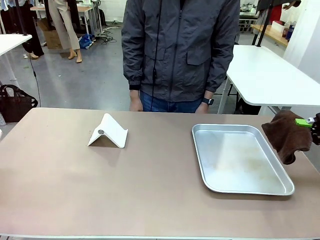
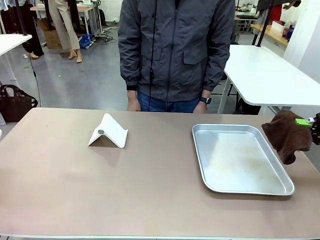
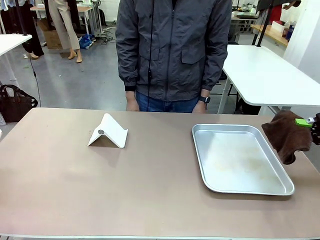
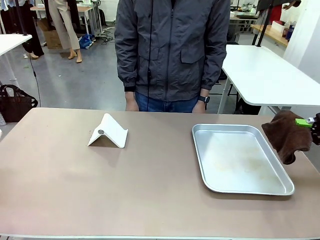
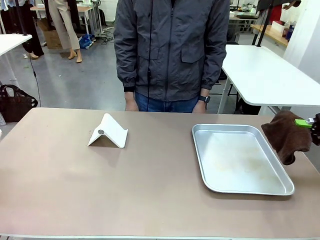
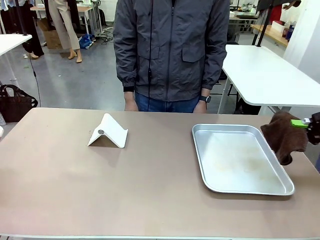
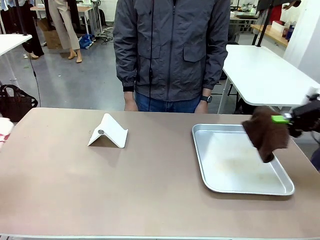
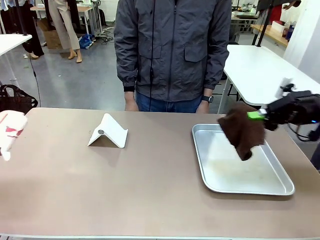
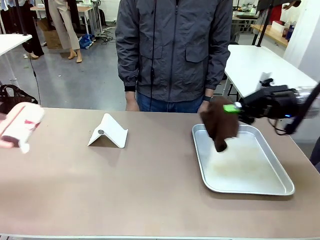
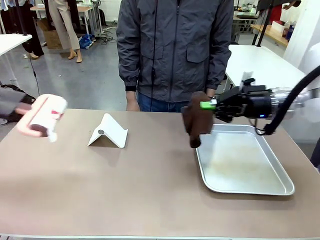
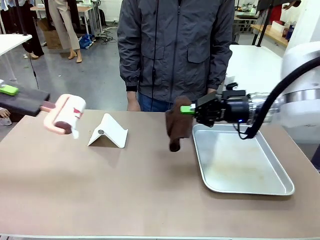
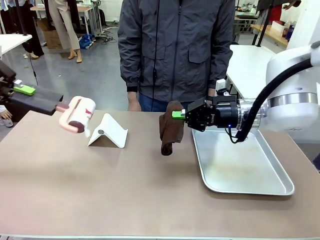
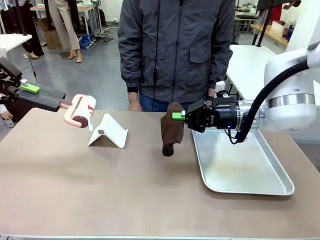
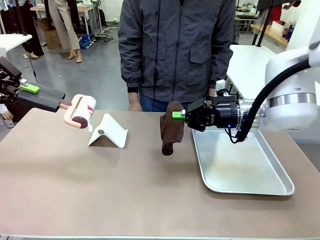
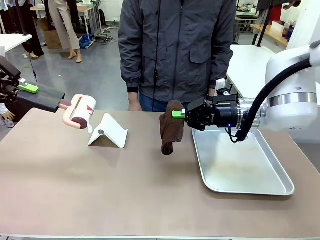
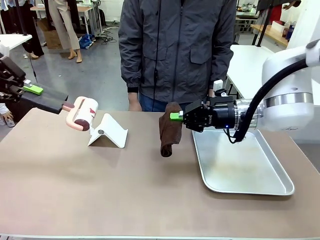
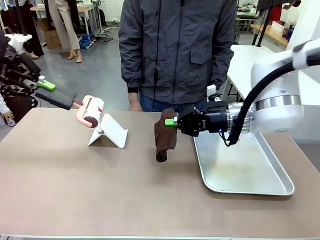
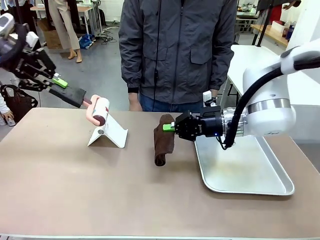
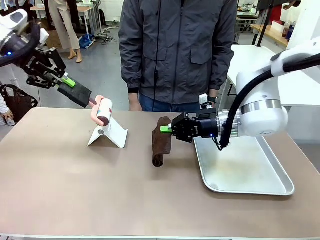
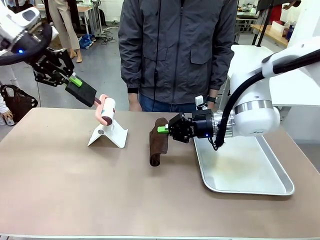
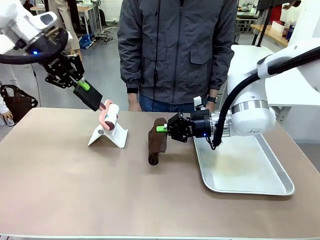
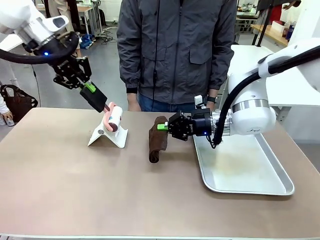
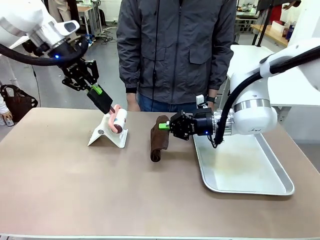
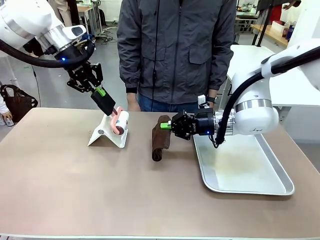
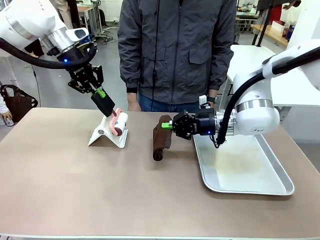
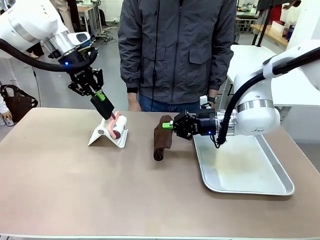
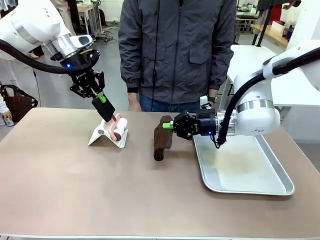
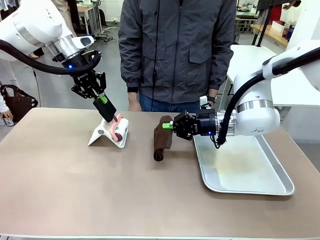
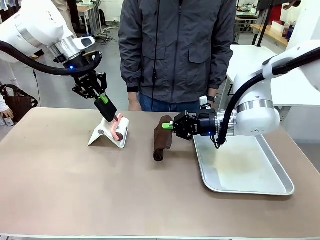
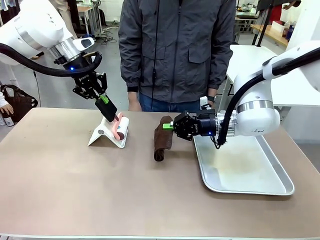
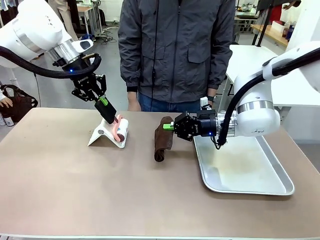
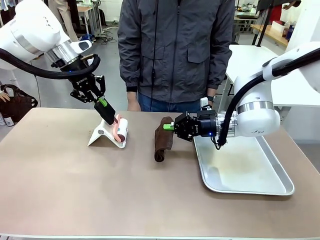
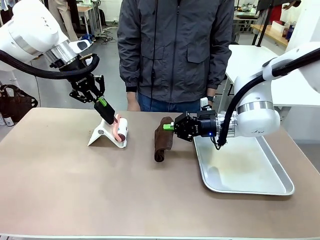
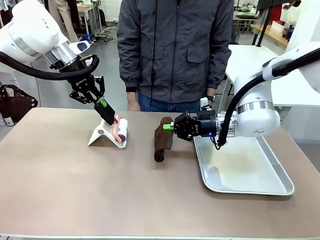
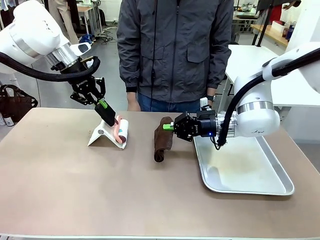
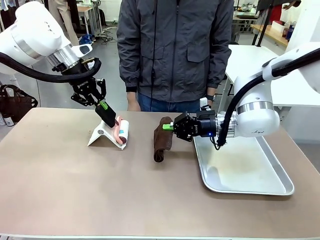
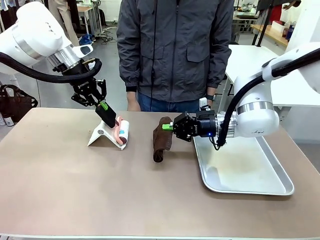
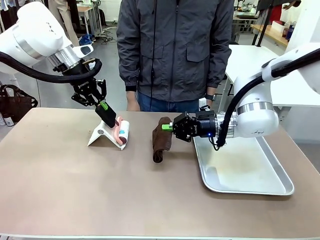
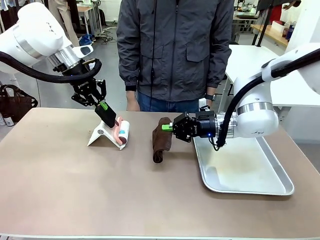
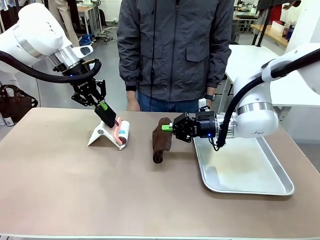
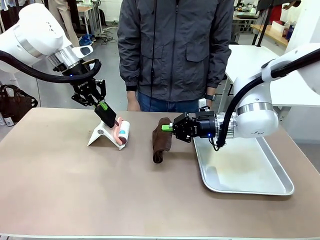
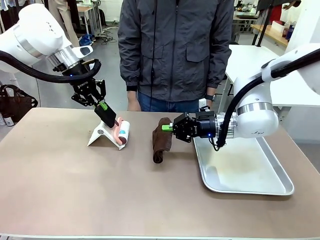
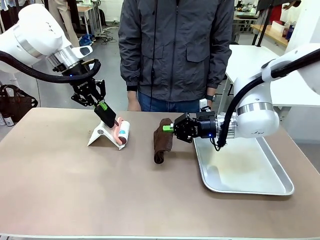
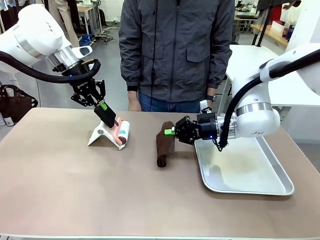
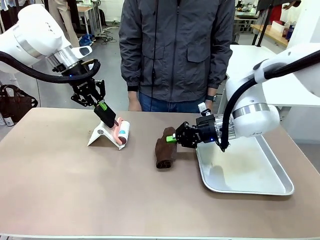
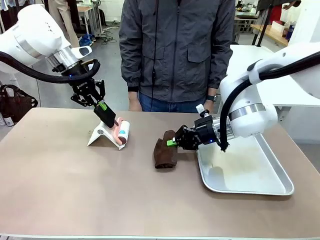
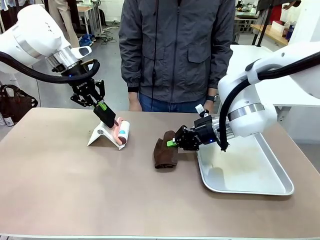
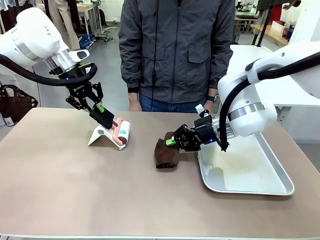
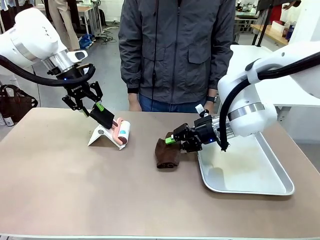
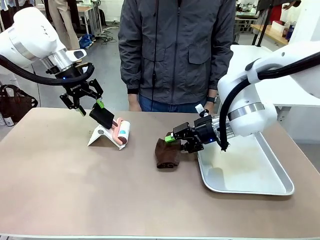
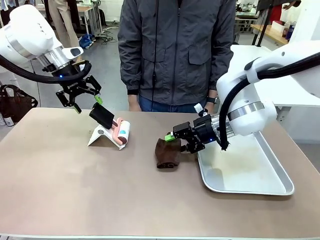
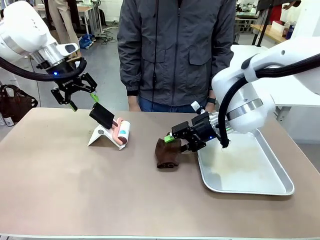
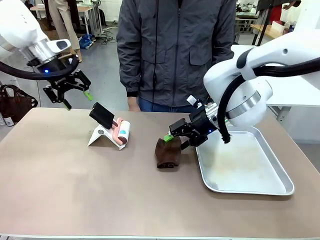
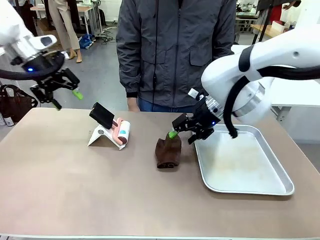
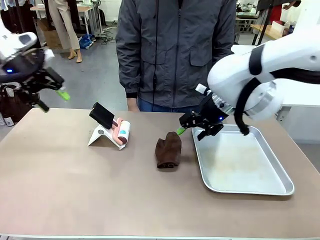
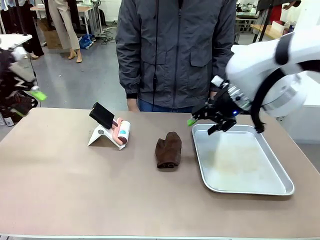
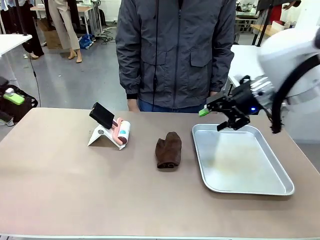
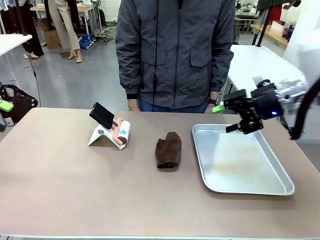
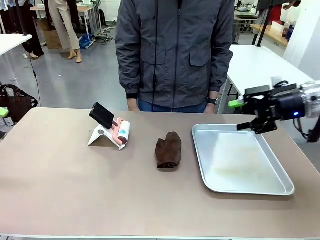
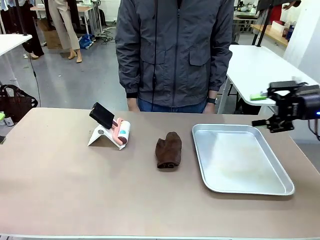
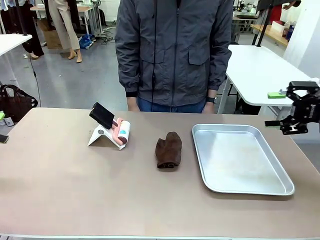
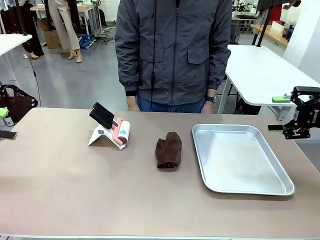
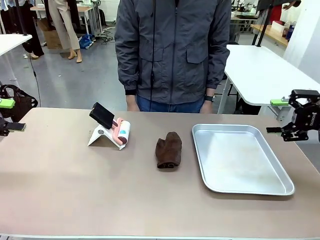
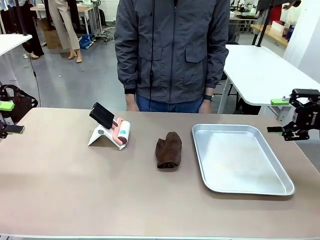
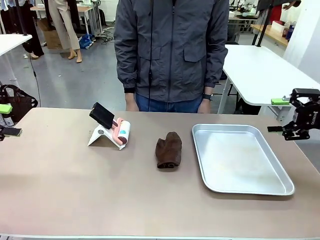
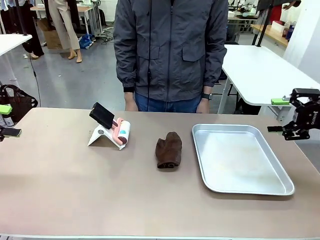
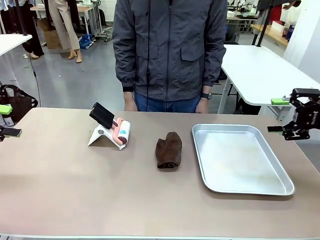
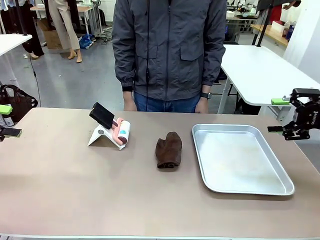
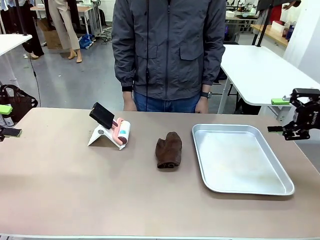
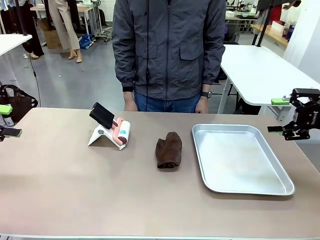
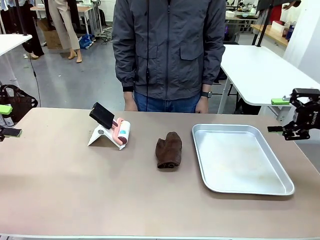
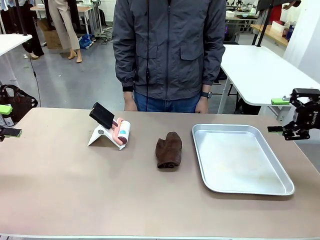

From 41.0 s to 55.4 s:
Task: Clean the surface of the table.
Robot: Return the Lint Roller and towel to their original positions.
